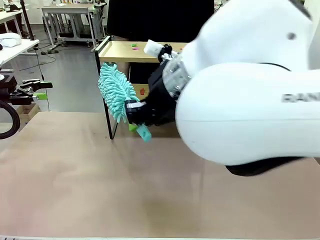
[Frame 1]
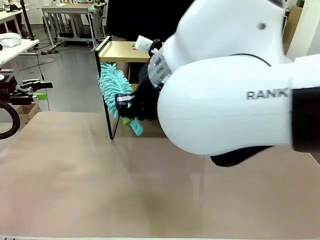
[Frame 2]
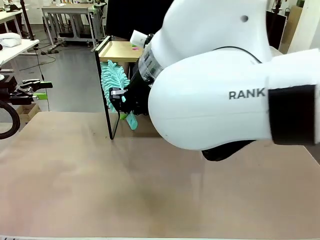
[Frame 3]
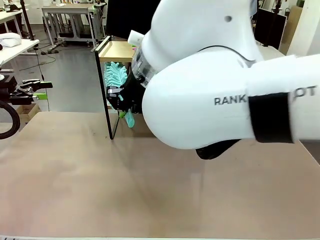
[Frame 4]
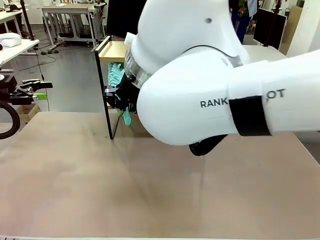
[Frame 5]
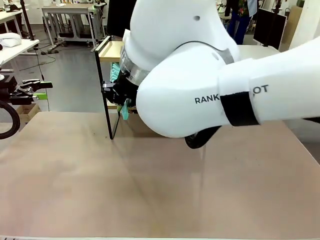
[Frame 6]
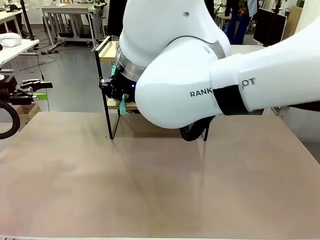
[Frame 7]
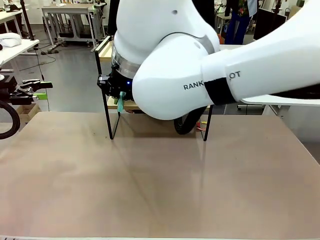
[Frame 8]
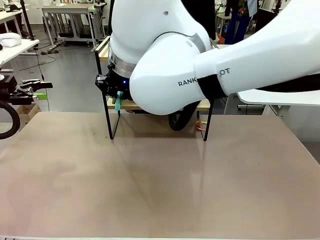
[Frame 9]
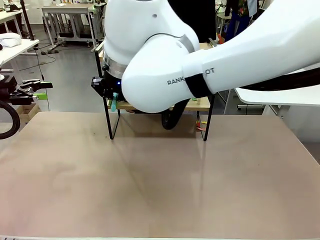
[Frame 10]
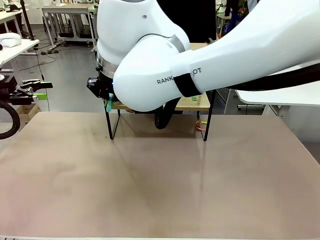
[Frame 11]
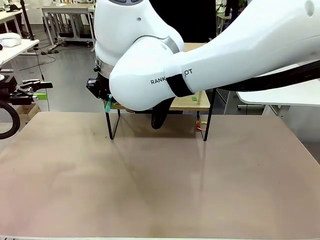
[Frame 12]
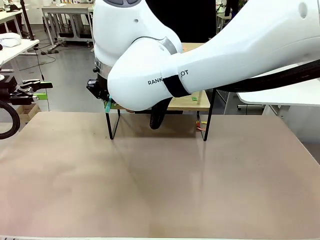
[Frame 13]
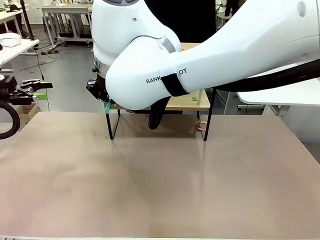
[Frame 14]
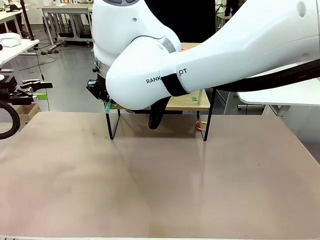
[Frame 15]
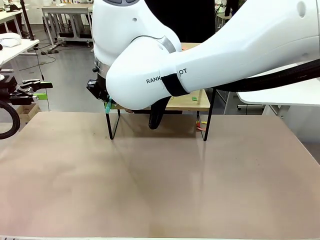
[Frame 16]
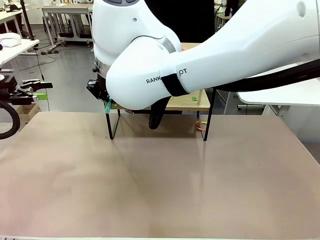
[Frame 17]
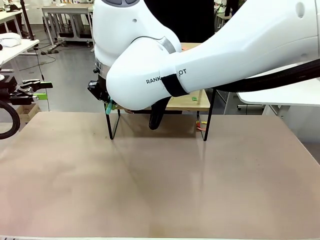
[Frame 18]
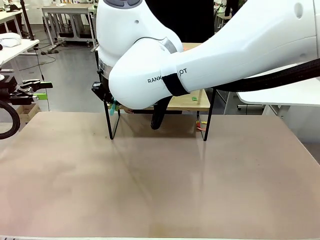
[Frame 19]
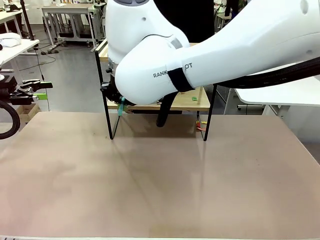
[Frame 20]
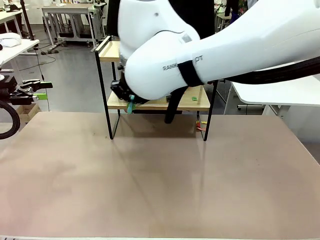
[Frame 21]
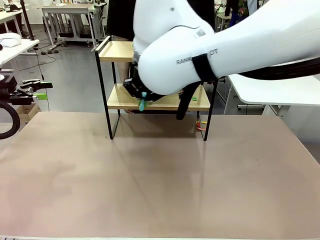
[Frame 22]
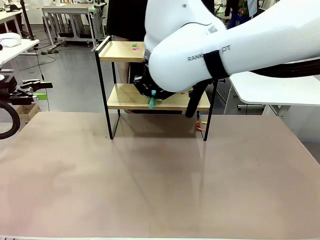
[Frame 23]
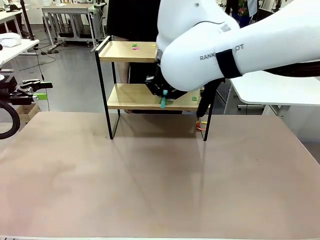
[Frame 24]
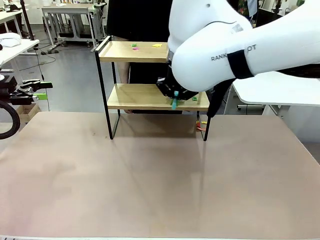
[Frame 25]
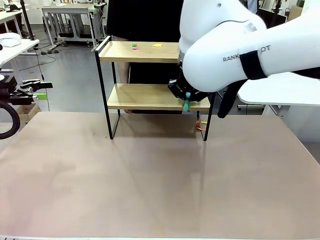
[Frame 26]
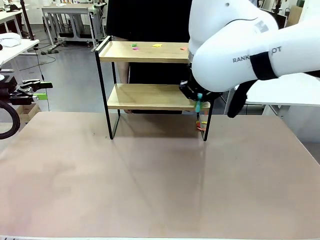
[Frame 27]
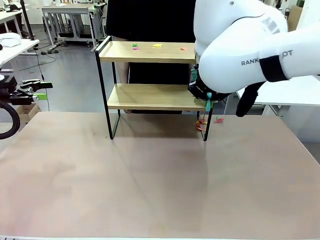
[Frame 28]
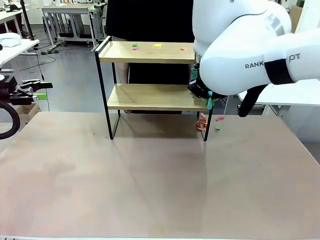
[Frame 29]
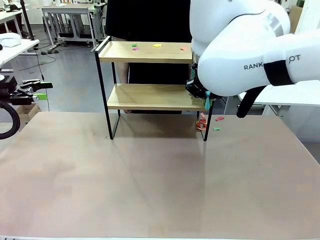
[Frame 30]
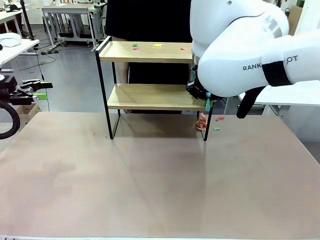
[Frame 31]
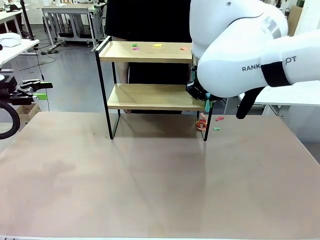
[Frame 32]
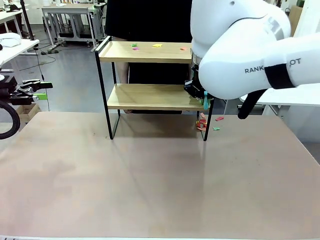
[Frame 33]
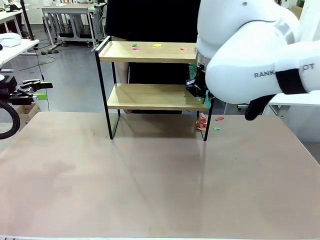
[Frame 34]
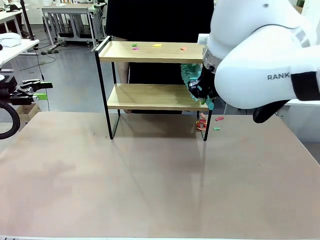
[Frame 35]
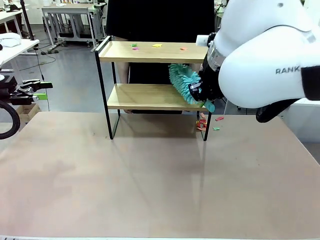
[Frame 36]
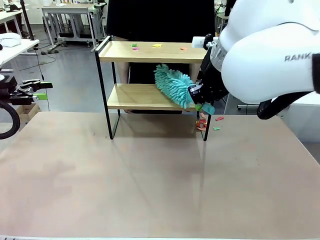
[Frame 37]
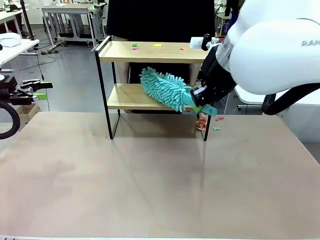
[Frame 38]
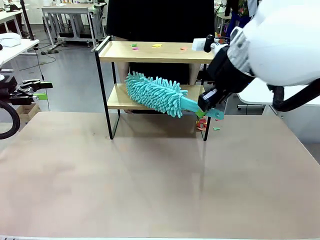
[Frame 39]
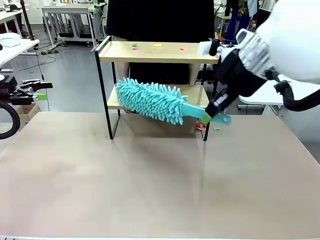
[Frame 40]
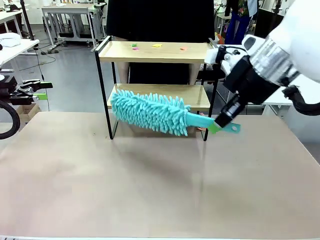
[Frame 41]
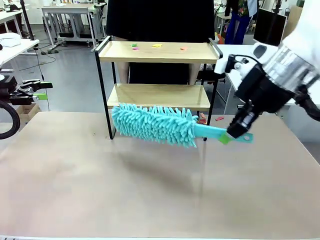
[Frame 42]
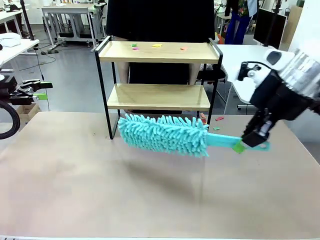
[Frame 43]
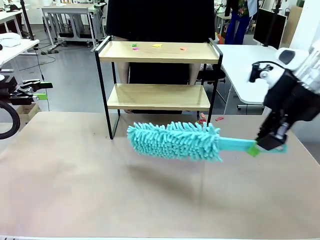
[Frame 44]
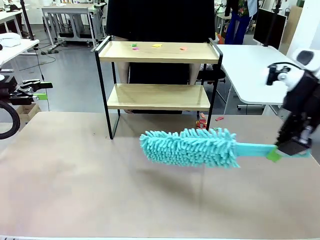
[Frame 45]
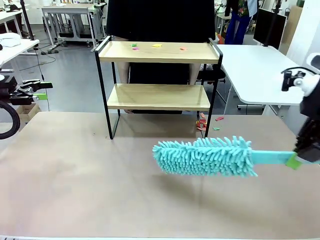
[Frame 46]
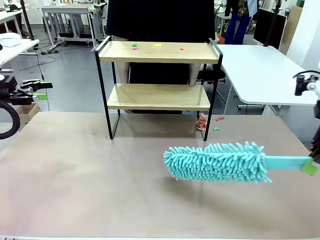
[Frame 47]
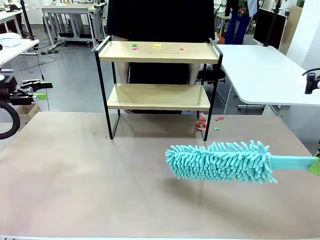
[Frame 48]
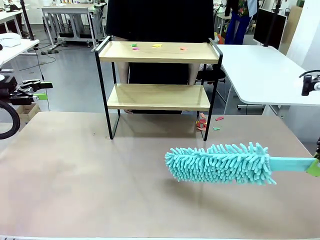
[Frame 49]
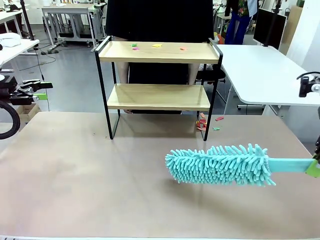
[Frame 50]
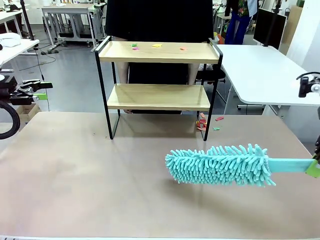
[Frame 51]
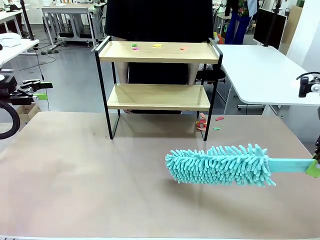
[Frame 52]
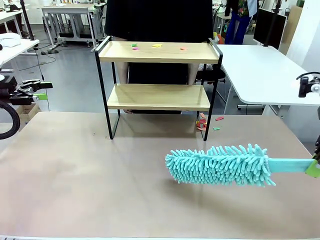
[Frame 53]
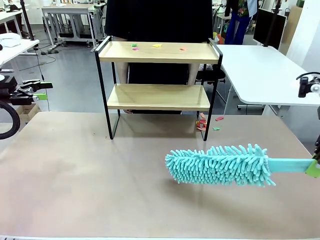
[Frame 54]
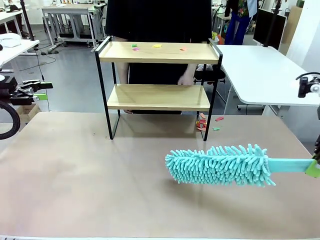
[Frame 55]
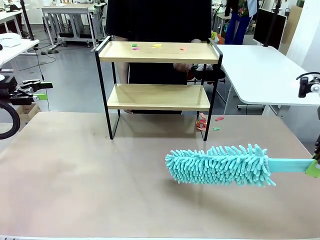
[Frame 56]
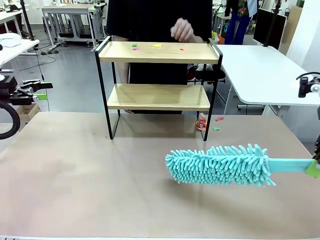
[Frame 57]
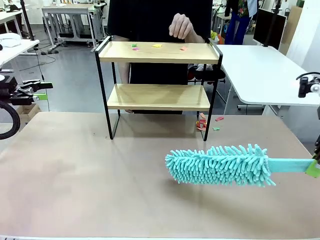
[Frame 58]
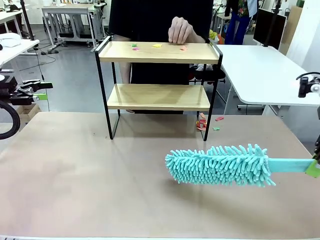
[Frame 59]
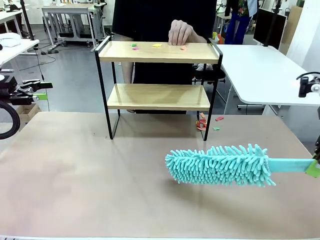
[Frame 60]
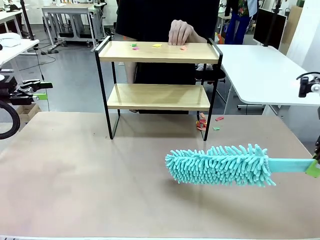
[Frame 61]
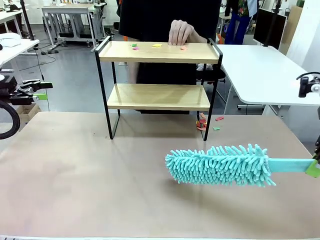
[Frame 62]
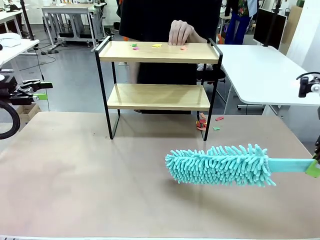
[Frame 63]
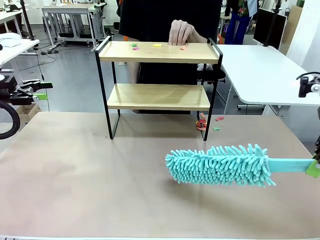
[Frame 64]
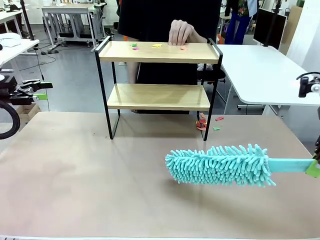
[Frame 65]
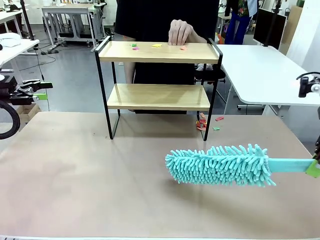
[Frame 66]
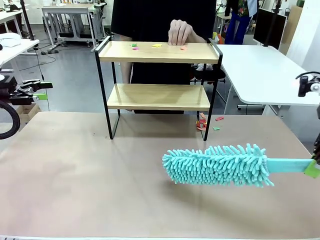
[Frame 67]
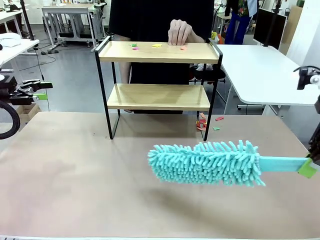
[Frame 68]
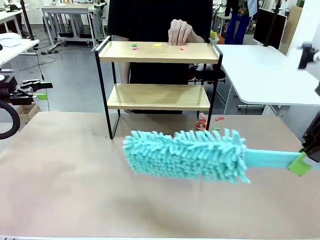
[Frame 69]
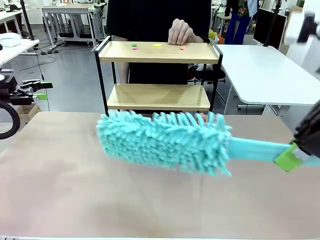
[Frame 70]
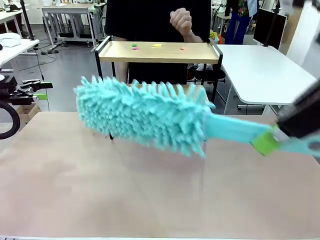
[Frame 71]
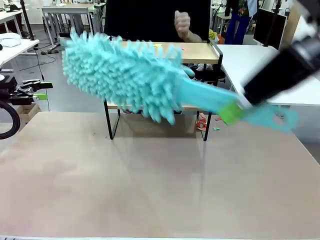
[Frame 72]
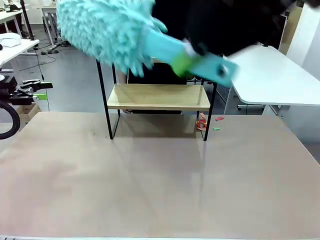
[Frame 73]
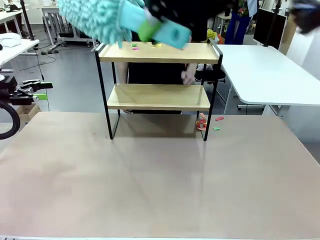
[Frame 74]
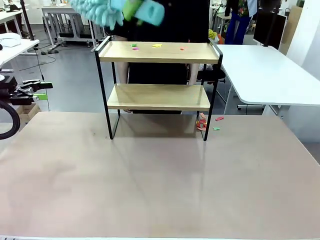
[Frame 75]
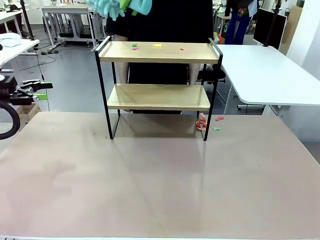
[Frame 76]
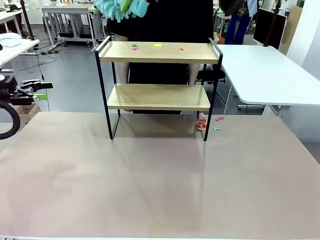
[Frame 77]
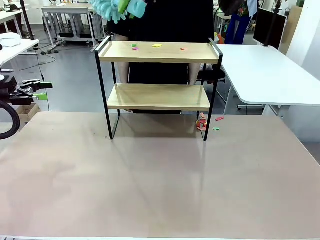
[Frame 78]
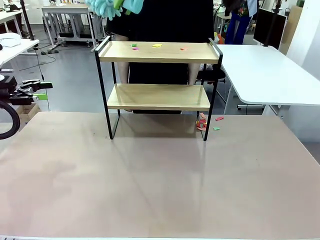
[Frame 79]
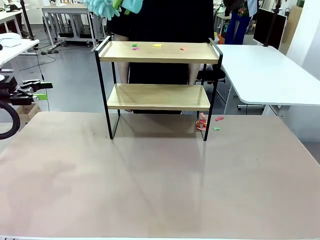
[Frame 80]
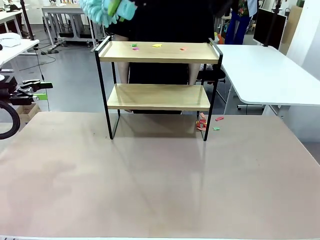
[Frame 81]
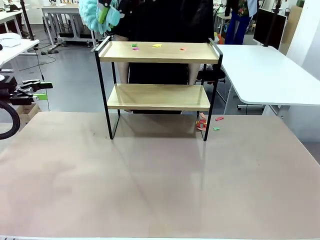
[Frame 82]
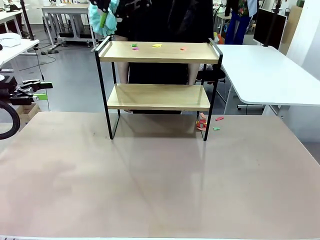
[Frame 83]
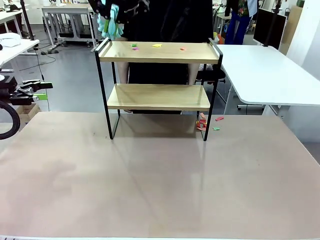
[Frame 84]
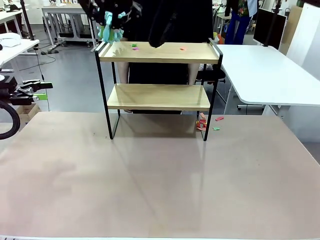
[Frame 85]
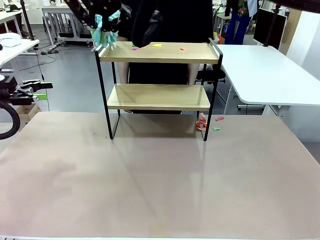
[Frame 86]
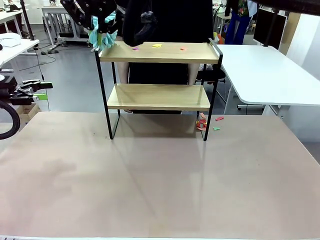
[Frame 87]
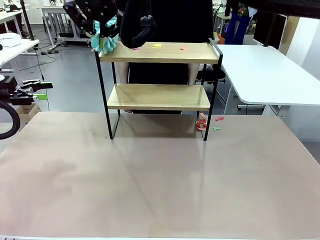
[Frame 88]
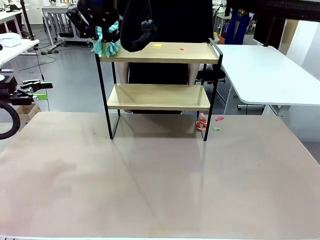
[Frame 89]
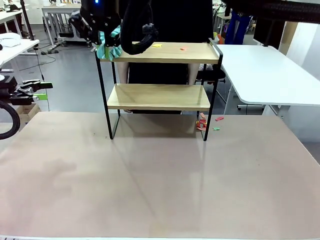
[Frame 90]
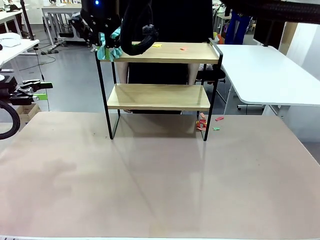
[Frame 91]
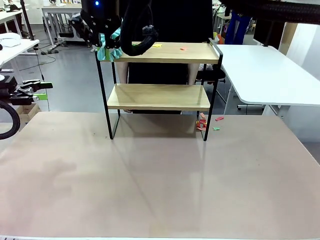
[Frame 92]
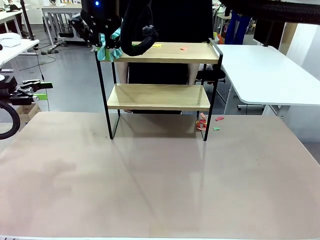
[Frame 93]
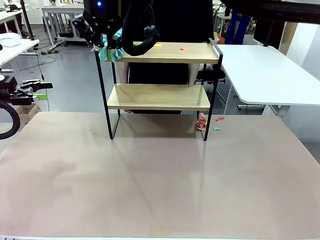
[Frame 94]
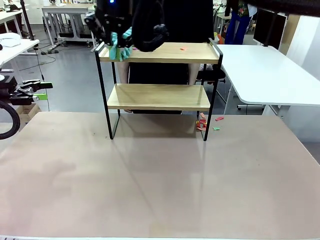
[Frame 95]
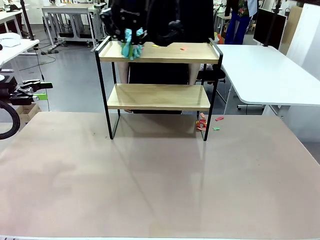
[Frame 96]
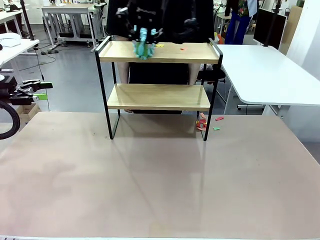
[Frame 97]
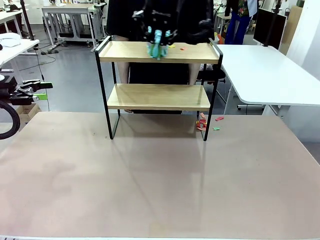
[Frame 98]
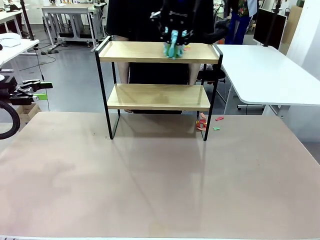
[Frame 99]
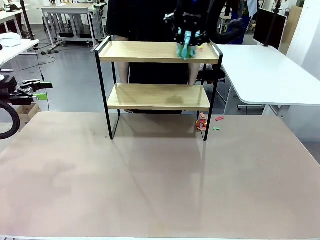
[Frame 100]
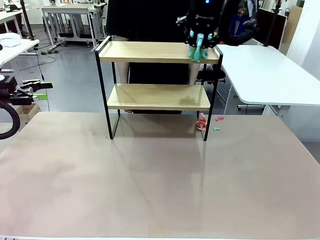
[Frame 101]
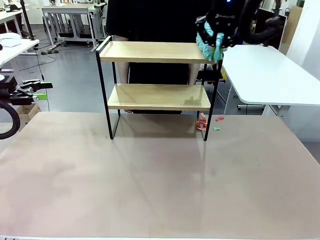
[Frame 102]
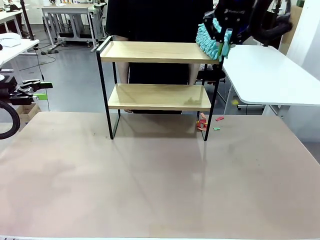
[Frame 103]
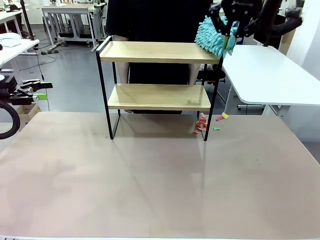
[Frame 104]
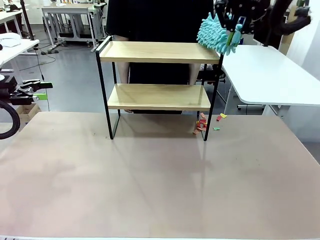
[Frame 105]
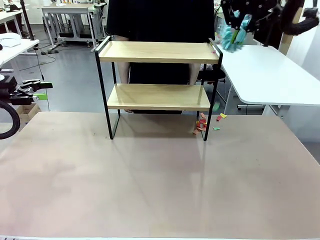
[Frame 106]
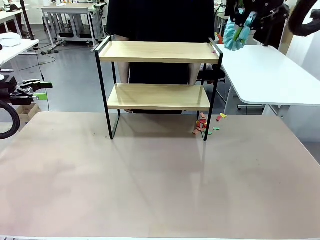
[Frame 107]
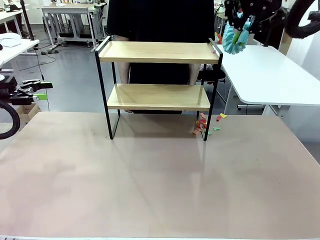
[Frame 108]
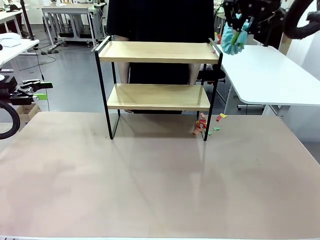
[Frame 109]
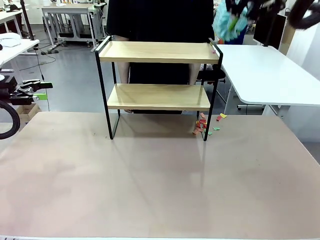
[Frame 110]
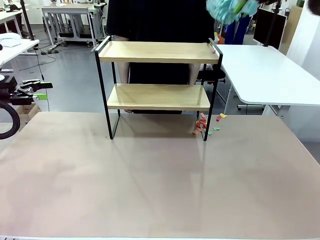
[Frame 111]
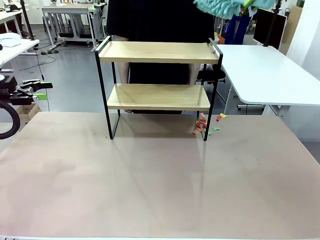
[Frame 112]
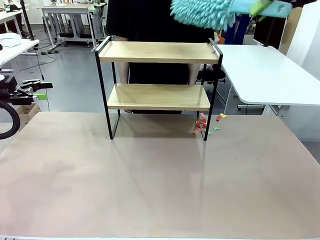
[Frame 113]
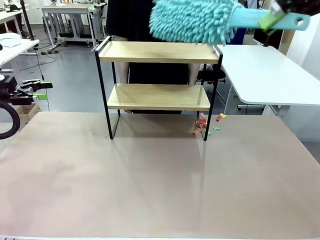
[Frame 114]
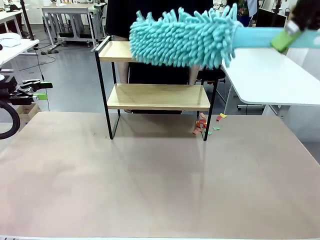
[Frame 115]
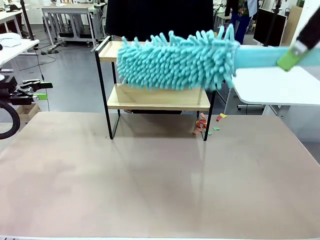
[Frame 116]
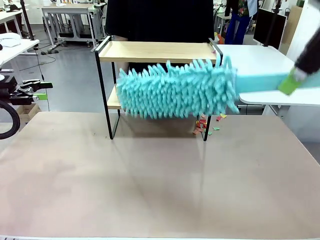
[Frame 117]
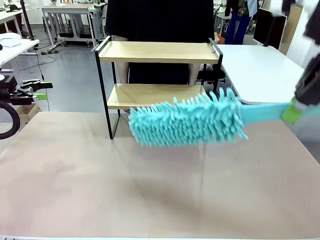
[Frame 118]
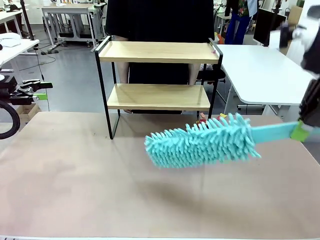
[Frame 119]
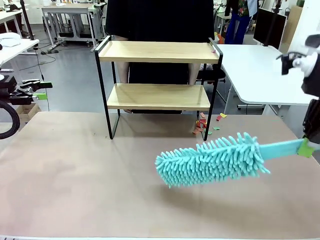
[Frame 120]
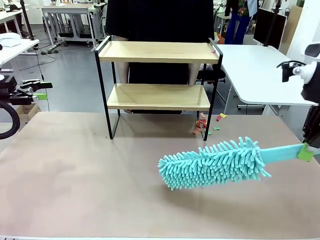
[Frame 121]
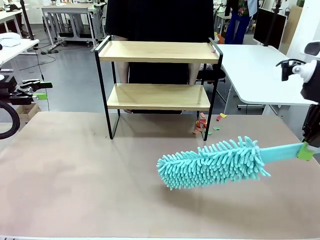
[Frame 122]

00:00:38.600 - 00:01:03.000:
Task: Clean the shelf.
Robot: Clean the specific section of the Shelf indicated by the human with the Duster.
Person: Point a remaining section of the Shelf.
